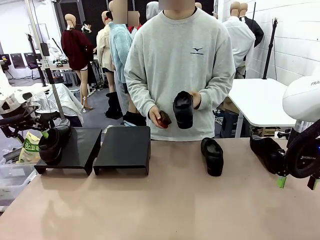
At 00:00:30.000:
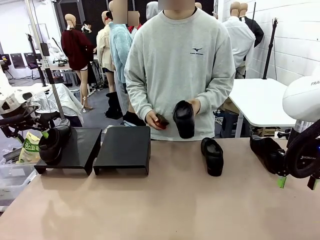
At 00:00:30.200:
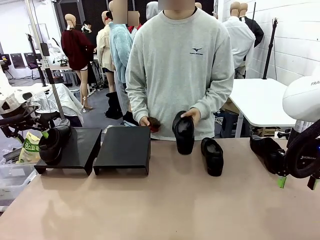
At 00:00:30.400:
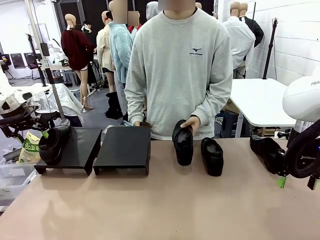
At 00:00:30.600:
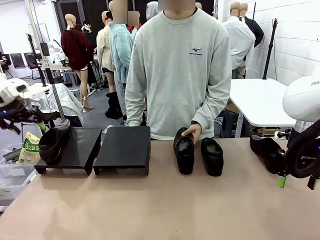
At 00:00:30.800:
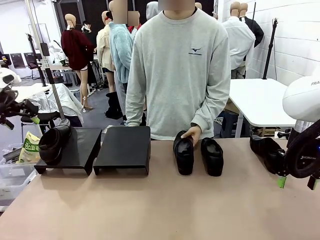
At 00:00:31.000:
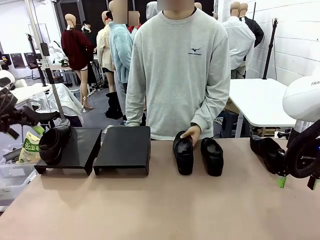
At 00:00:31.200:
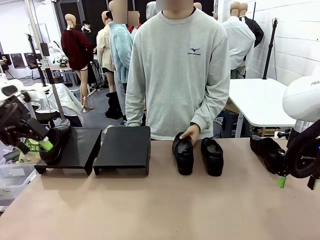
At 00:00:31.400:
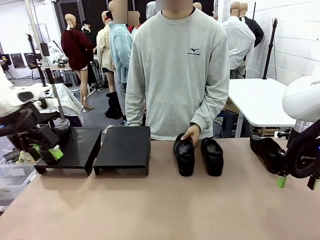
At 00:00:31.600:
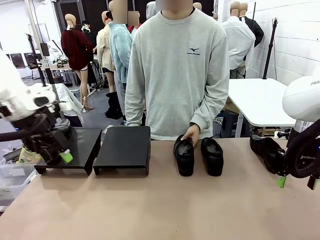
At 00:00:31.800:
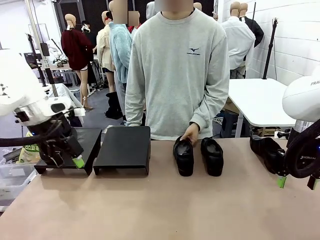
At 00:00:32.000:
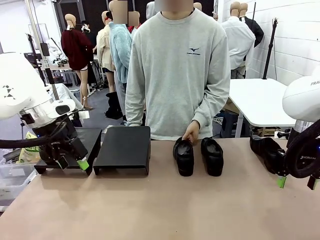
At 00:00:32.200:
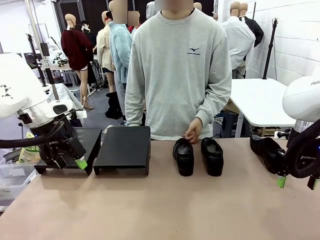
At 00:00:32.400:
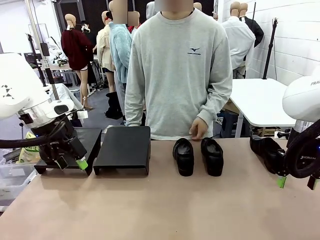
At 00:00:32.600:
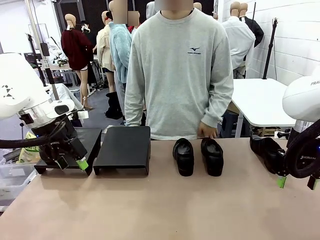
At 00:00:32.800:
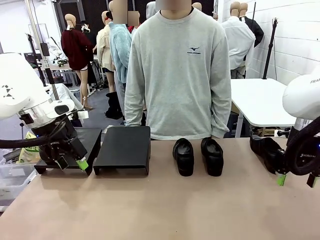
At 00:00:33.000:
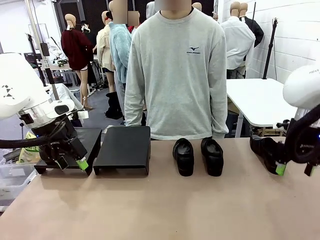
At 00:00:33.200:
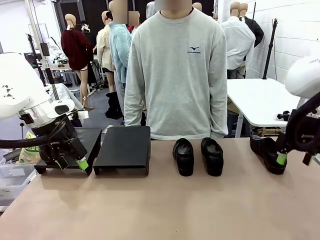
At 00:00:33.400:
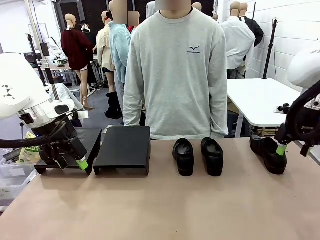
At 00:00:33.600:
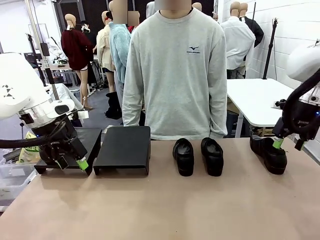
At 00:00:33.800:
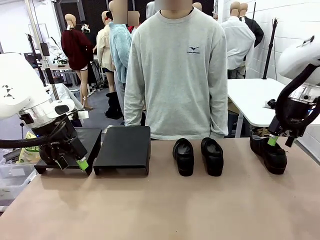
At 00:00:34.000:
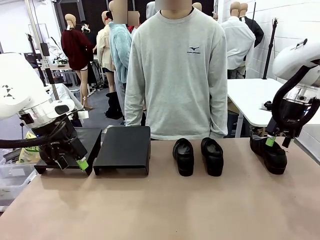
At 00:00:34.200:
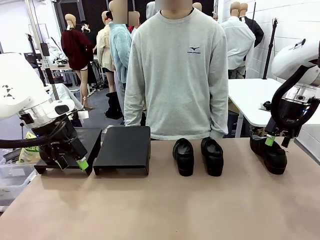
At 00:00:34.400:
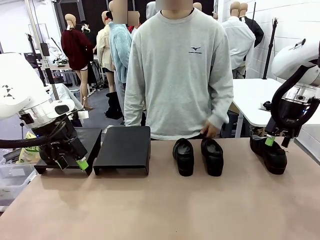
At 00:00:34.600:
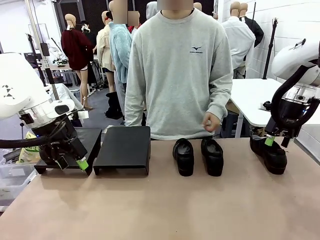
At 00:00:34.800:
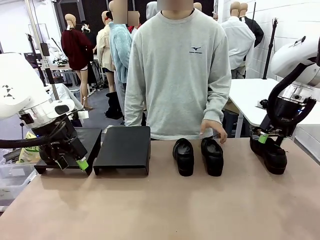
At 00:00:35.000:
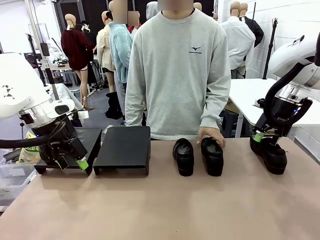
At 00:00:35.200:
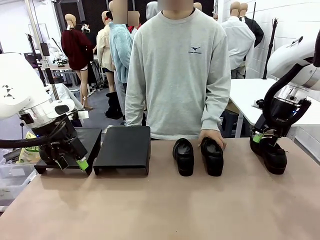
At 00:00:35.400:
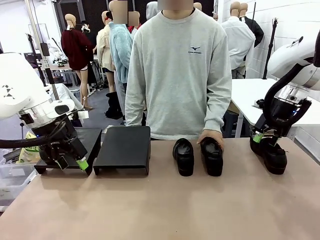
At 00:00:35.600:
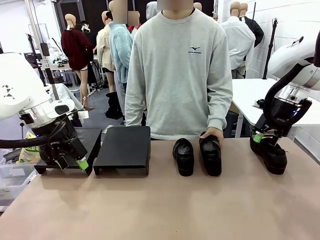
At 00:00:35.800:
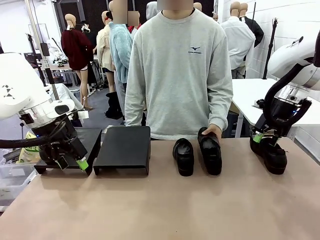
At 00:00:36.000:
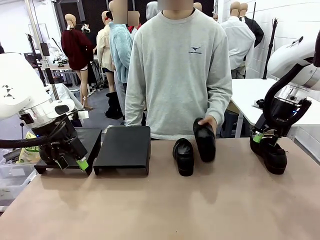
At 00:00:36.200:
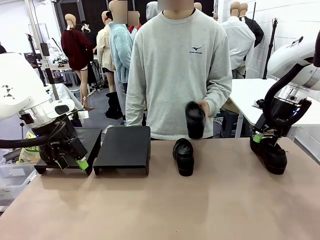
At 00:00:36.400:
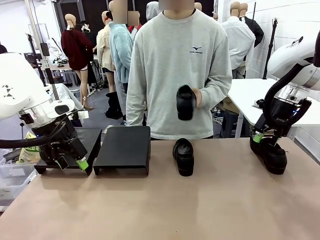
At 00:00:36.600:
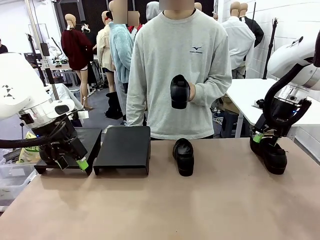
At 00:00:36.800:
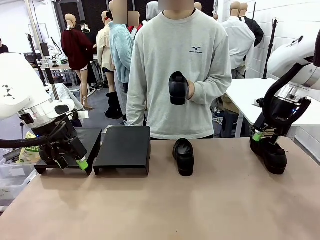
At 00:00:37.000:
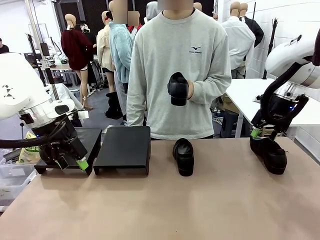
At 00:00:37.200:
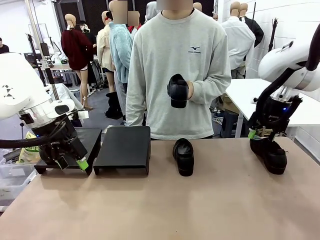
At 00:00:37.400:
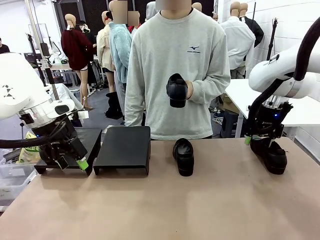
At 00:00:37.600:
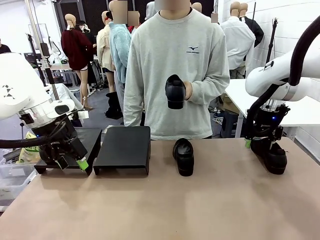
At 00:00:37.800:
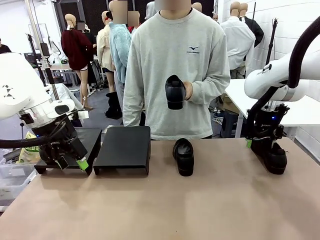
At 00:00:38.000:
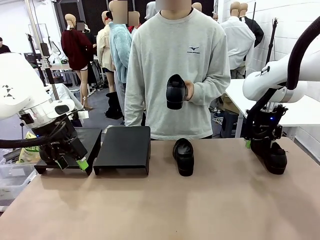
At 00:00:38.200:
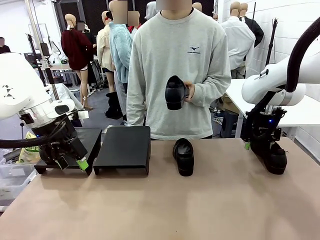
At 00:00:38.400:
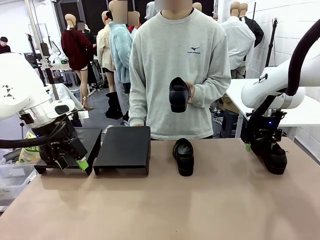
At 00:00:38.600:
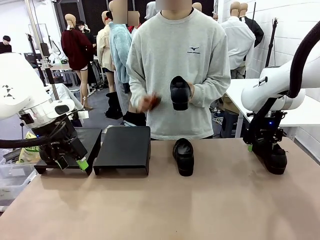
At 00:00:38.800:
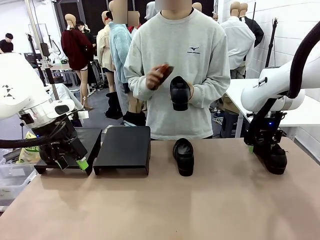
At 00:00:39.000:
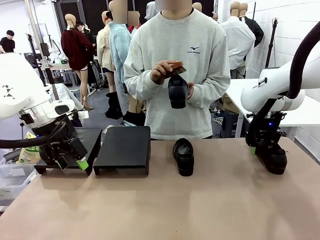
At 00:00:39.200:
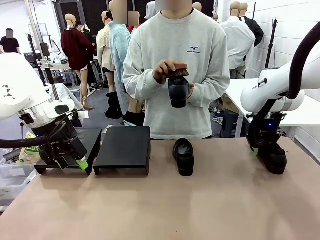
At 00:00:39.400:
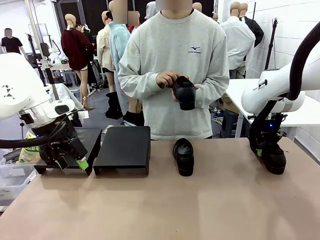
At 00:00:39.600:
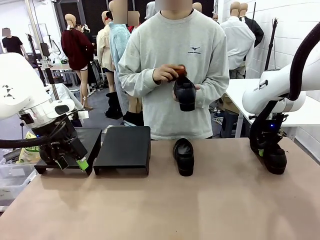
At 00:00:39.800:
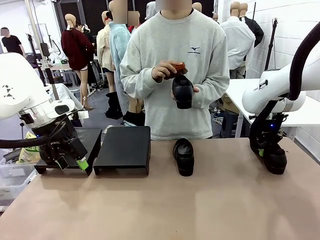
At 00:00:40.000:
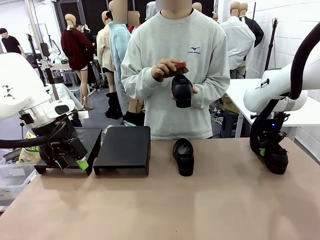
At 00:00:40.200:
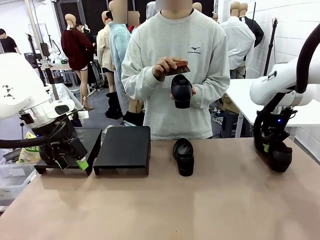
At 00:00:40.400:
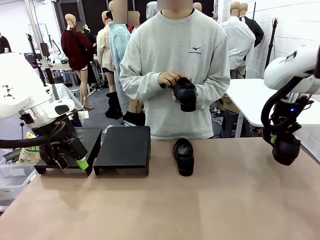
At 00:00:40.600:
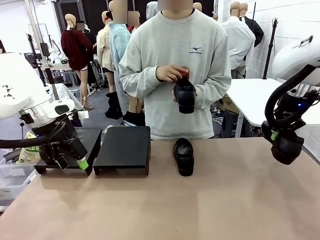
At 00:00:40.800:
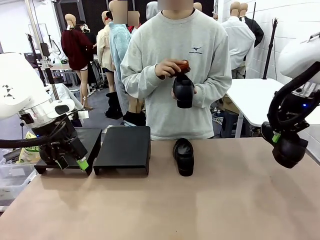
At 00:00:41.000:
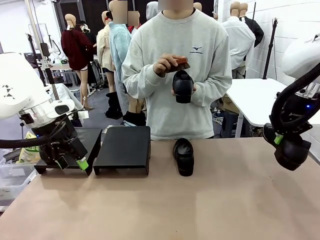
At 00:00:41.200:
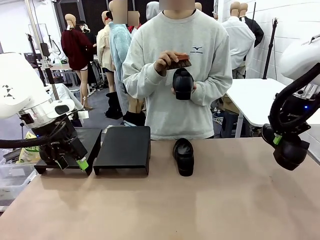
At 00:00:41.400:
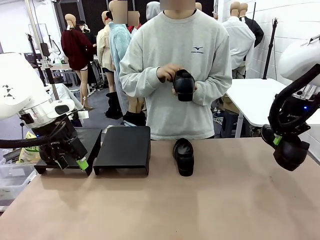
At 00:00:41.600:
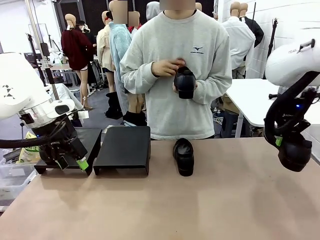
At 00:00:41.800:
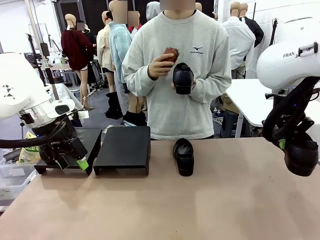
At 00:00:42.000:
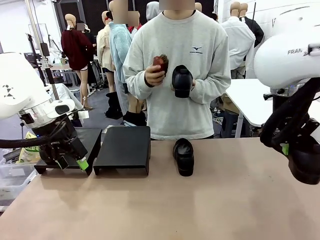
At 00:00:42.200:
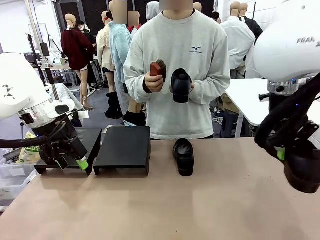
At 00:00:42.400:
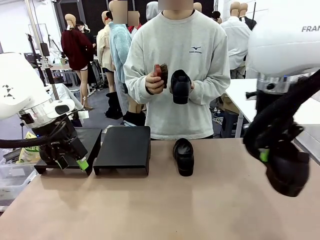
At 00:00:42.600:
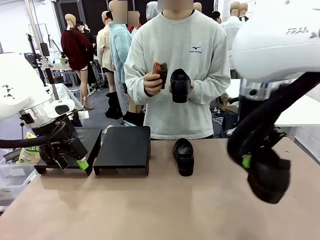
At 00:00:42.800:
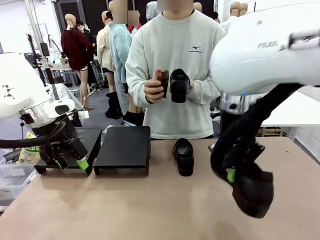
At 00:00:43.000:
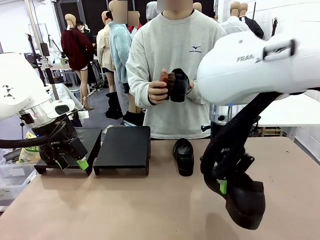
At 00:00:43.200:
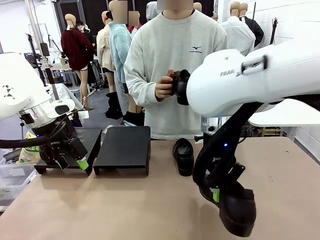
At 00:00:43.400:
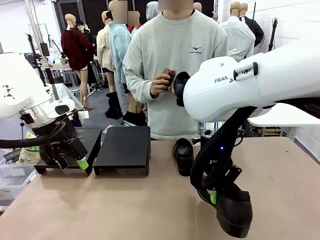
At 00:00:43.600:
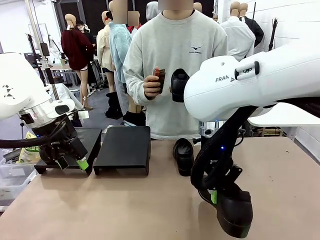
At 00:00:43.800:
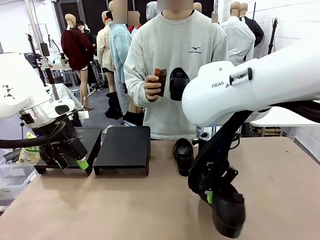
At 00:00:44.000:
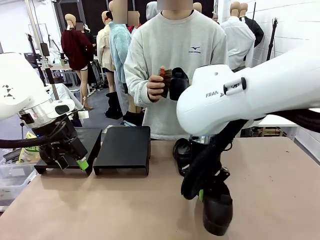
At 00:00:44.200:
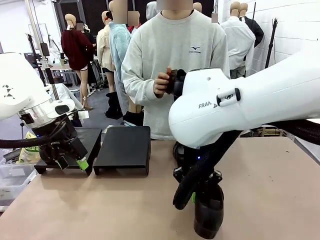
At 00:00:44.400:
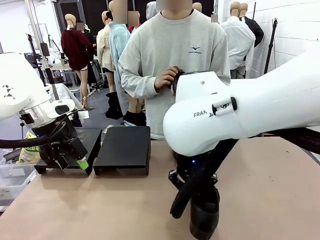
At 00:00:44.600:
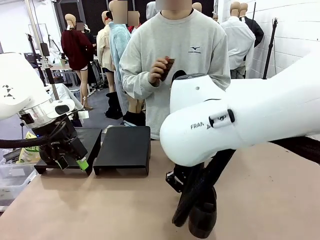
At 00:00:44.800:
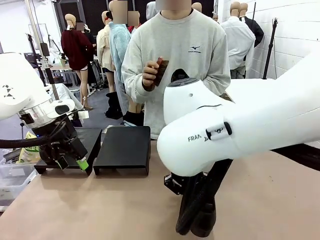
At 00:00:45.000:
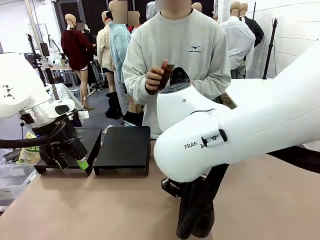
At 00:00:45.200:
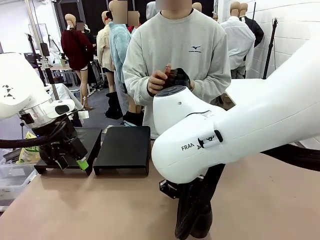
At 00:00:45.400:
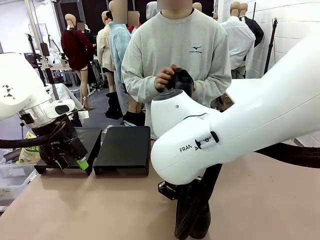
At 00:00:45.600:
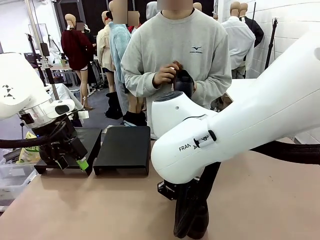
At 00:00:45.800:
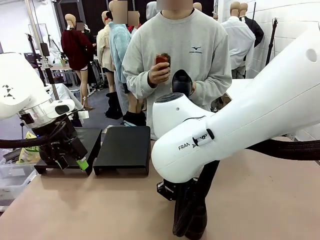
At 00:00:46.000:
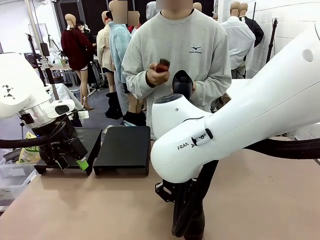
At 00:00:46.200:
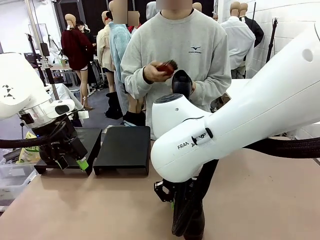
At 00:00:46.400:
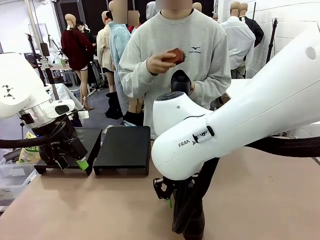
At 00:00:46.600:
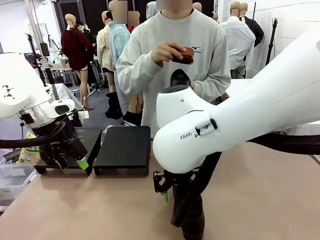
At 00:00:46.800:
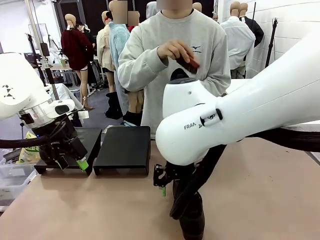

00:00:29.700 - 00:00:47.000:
Task: Organize the shoes by placing them on the stand.
Robot: Pick up one Shoe and place it in the middle of the table.
Person: Place the Shoe on left side of the Robot's table. Pick one Shoe on Robot's table.
